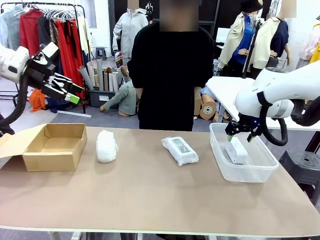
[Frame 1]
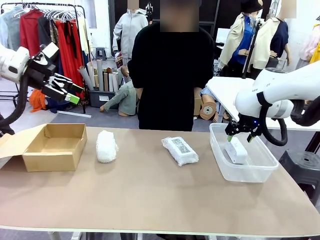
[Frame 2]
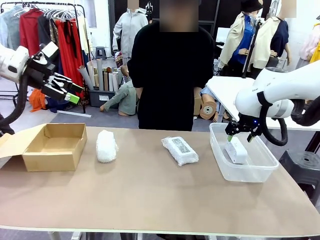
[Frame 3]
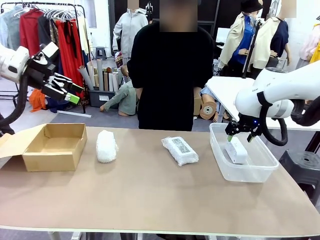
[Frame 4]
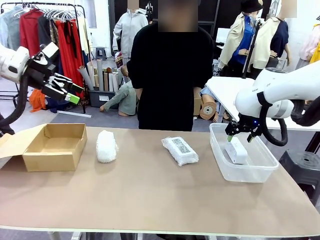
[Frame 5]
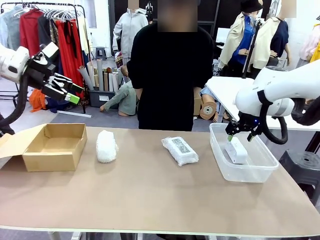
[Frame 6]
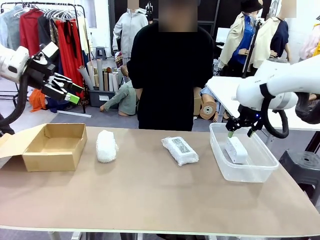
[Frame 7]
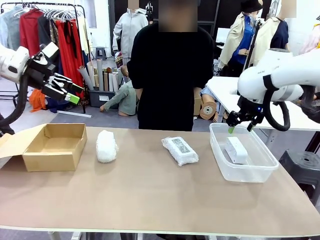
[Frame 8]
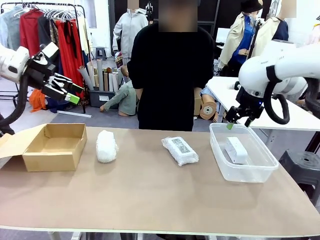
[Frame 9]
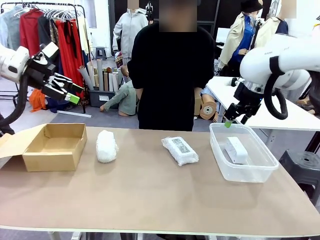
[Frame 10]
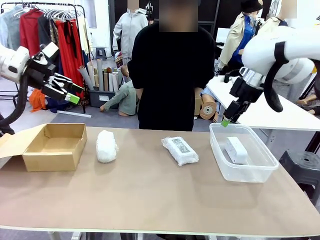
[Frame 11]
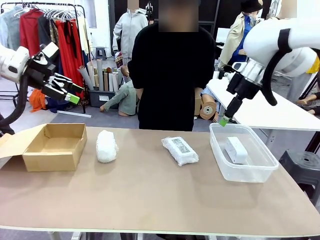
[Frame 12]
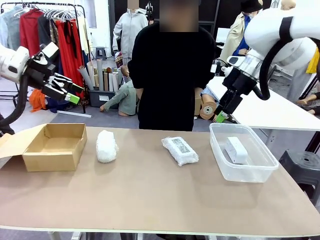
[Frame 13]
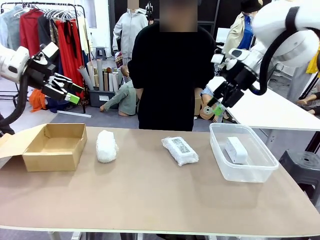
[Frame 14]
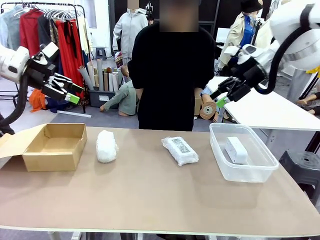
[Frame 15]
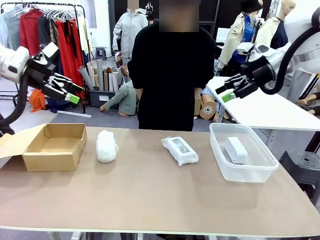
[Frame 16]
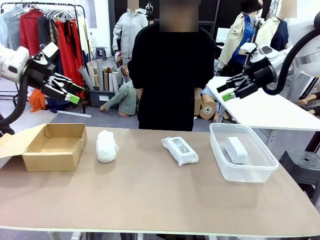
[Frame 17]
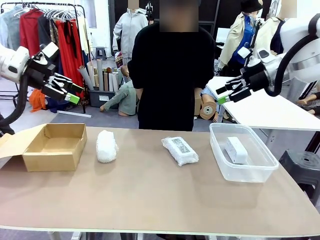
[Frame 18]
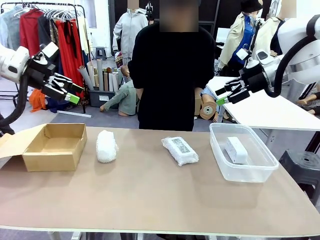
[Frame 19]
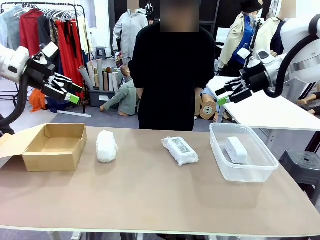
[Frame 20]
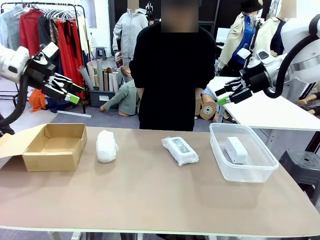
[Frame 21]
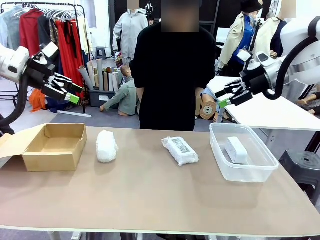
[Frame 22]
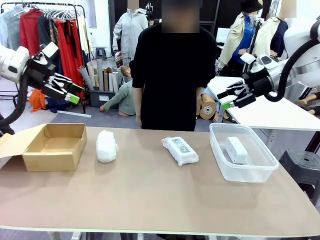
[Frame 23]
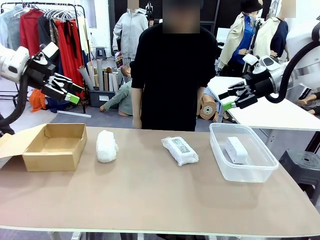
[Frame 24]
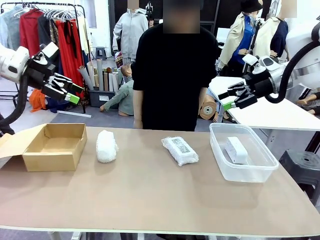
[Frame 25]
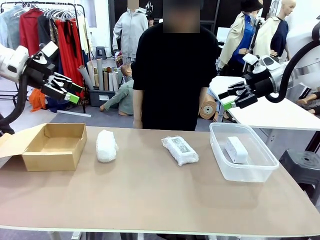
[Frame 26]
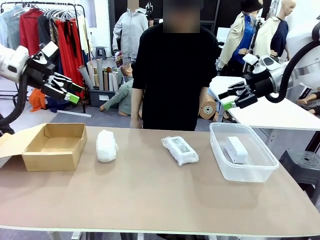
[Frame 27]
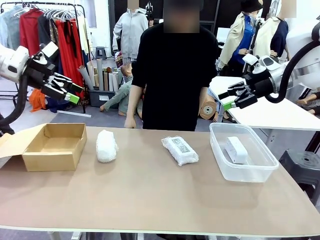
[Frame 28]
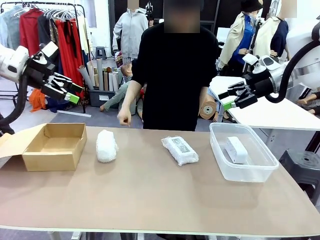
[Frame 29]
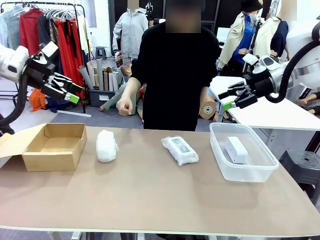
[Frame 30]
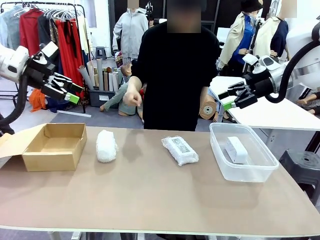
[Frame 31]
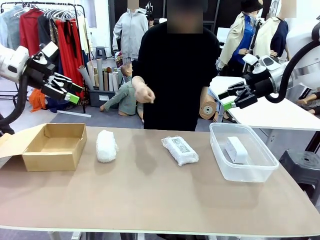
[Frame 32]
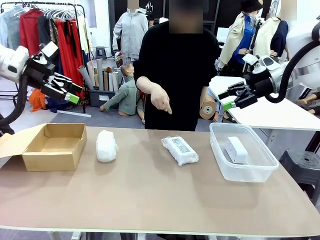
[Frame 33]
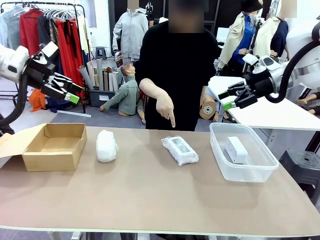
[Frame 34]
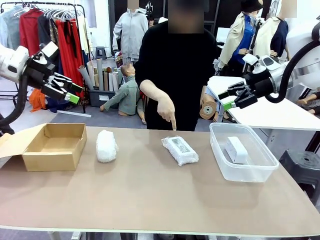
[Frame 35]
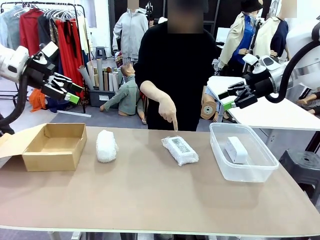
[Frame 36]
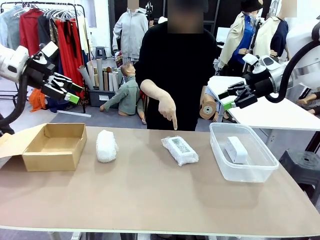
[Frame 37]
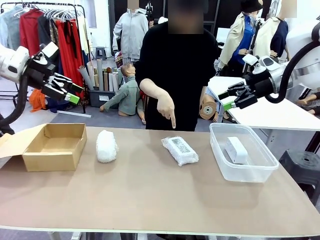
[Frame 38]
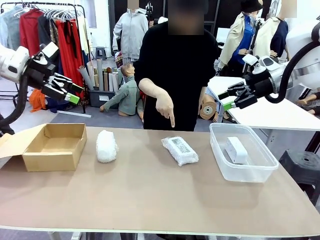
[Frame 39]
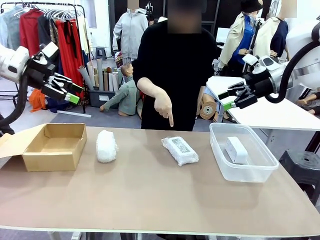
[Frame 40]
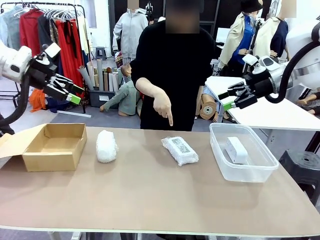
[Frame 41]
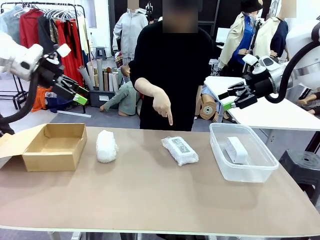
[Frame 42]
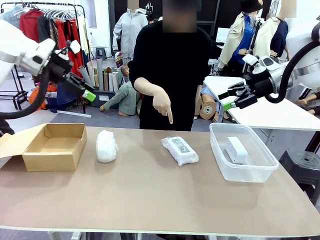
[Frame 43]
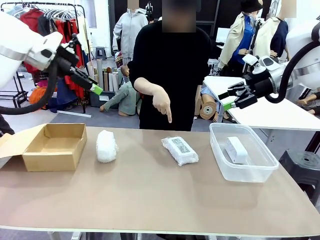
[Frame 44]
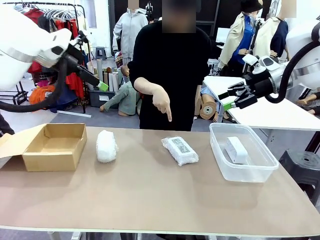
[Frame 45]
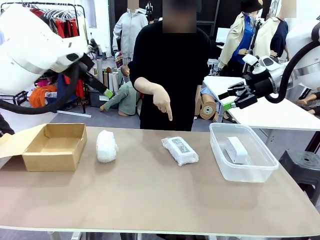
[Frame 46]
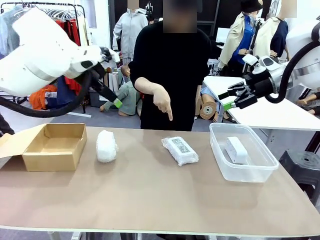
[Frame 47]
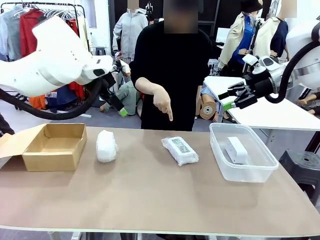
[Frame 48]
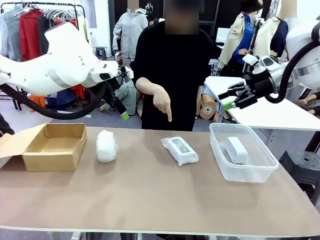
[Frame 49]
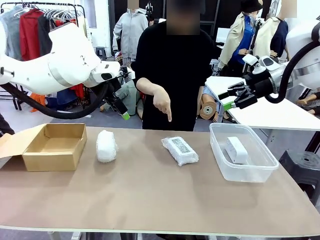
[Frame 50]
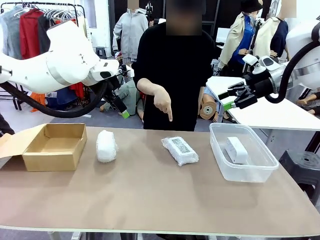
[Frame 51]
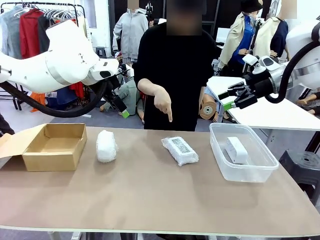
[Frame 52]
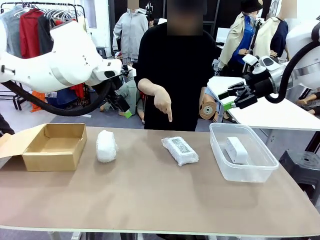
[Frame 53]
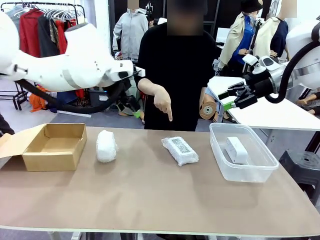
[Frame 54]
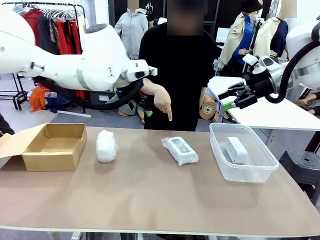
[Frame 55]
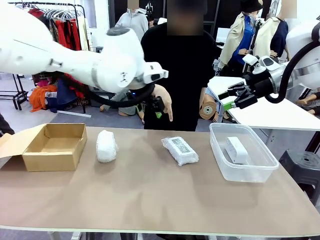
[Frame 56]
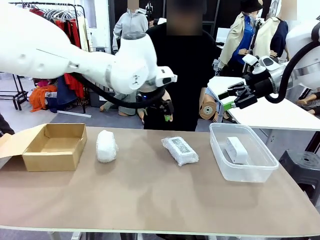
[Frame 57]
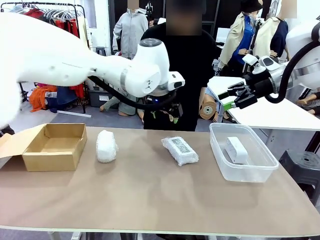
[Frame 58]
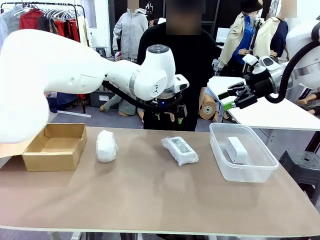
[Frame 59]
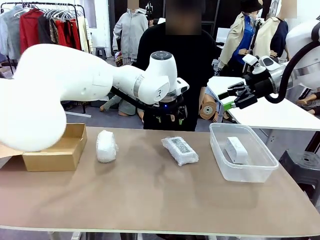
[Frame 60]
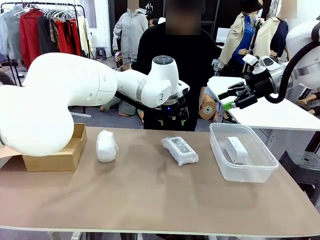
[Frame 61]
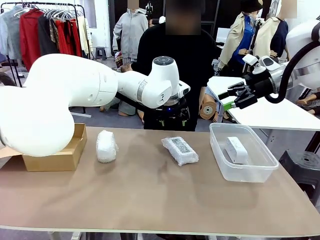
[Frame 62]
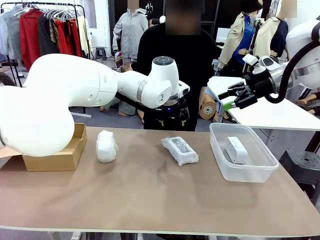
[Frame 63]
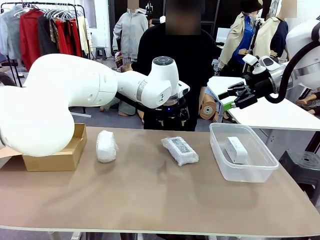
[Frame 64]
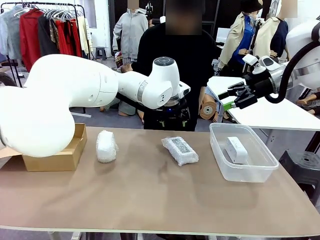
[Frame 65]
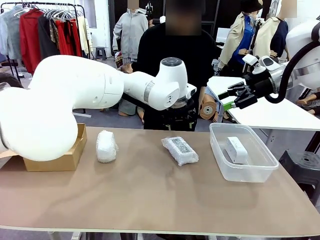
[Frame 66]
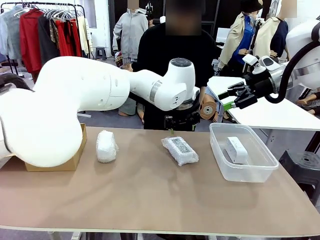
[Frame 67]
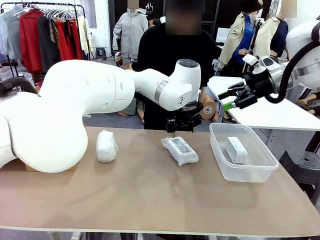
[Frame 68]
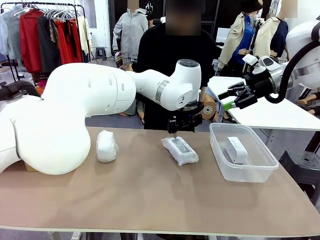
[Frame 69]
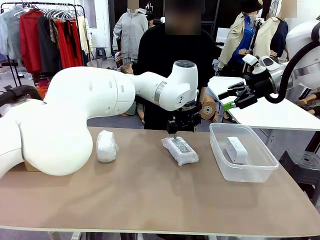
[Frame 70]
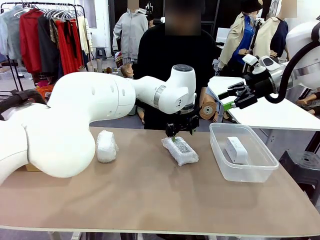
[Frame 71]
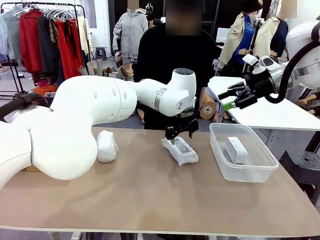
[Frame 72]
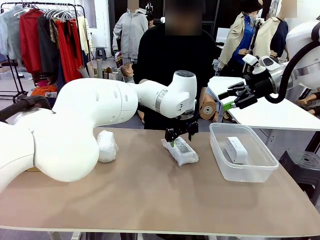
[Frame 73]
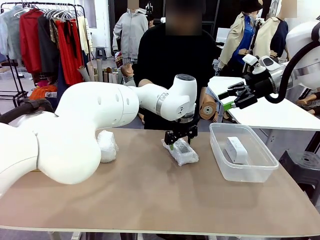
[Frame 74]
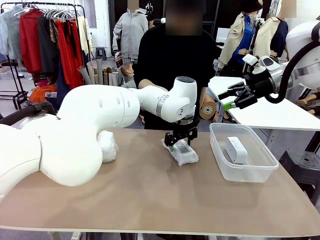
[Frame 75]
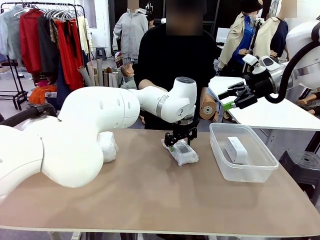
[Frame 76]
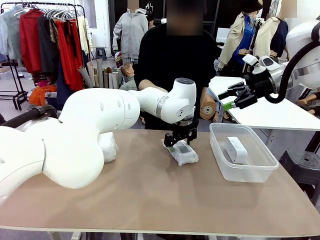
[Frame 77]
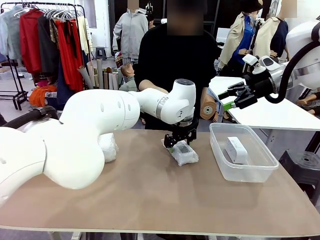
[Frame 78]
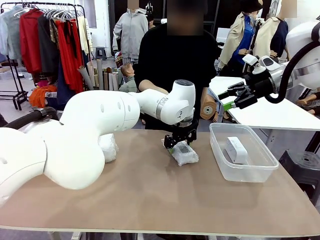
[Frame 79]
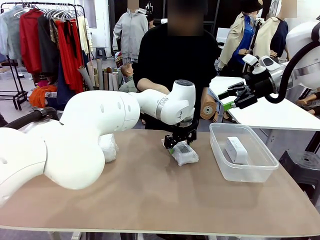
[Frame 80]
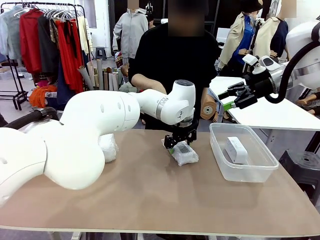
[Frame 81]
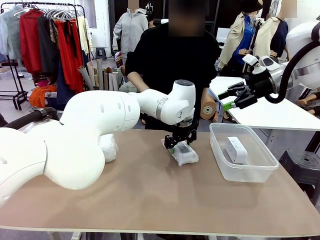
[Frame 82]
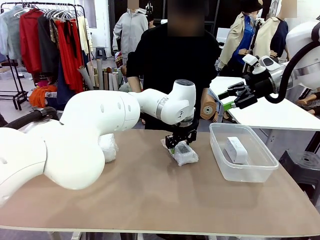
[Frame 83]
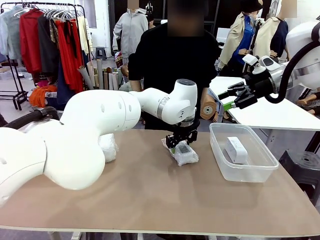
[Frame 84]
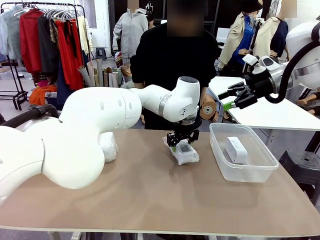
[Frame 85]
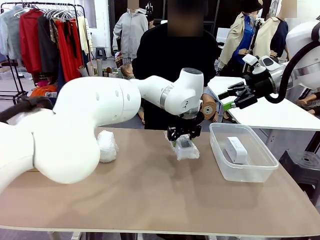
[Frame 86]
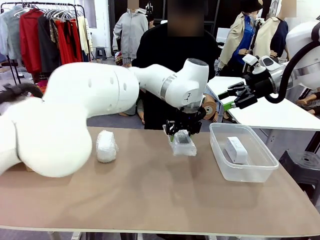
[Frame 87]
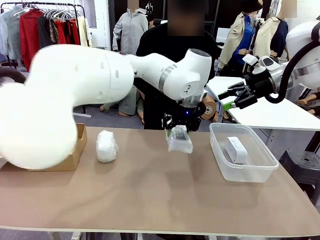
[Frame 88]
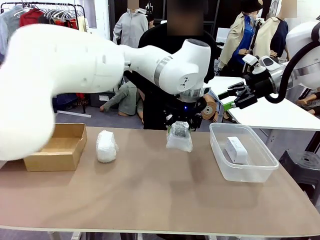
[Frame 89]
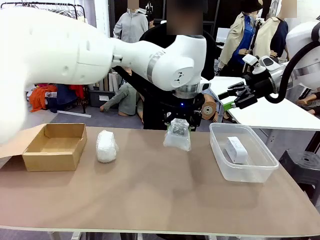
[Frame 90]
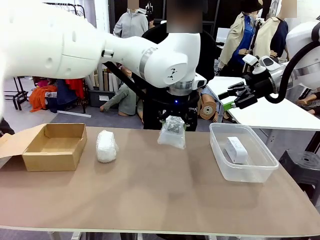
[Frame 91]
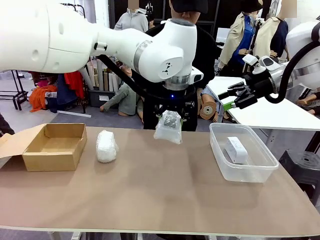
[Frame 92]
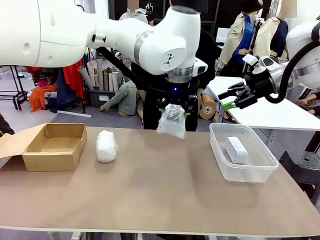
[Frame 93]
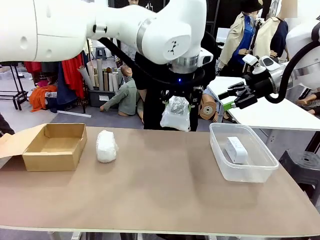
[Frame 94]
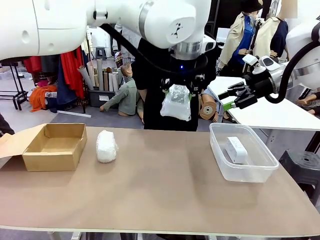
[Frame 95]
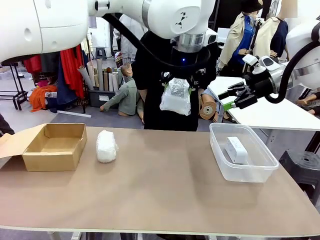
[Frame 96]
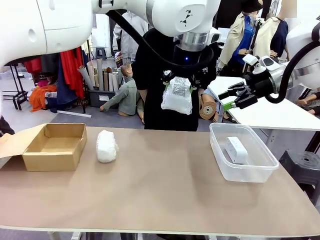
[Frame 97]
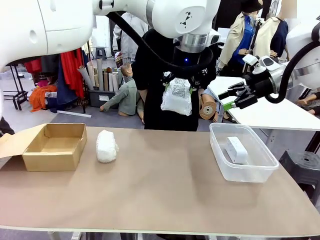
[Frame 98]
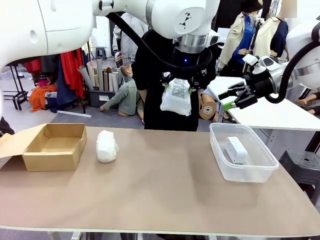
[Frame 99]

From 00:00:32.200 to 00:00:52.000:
Task: Separate and place wrapped and unwrapped clocks.
Robot: Pick up the Digital clock indicated by the person.
